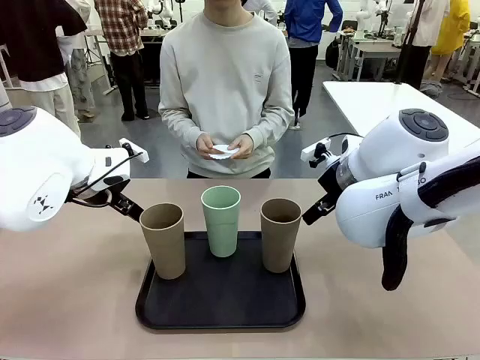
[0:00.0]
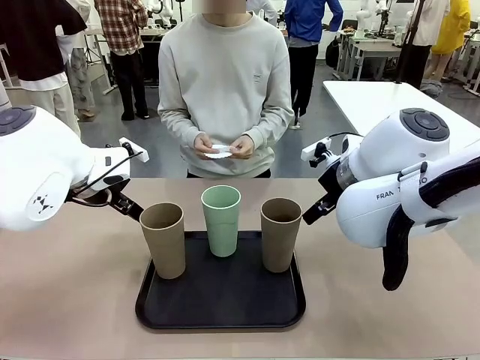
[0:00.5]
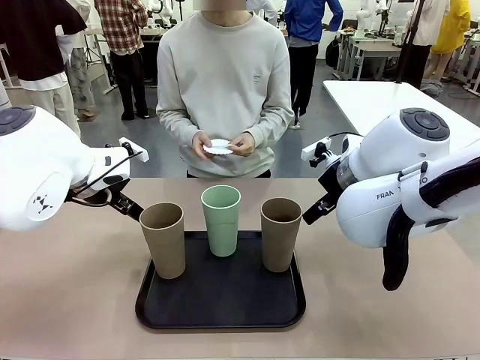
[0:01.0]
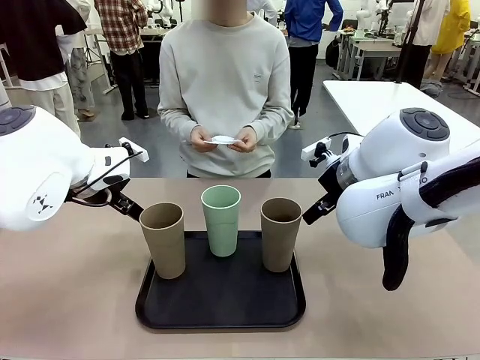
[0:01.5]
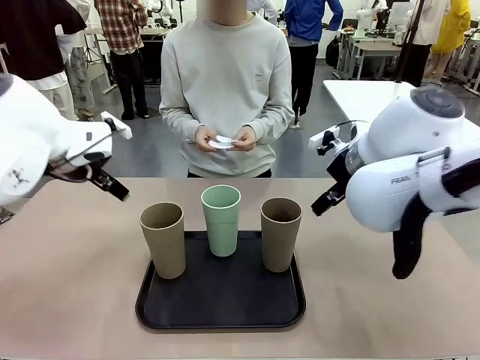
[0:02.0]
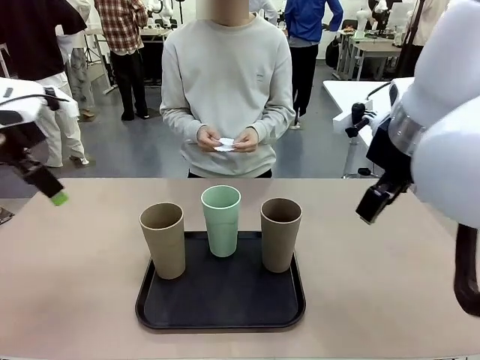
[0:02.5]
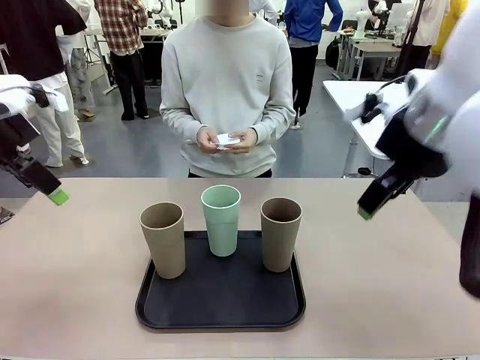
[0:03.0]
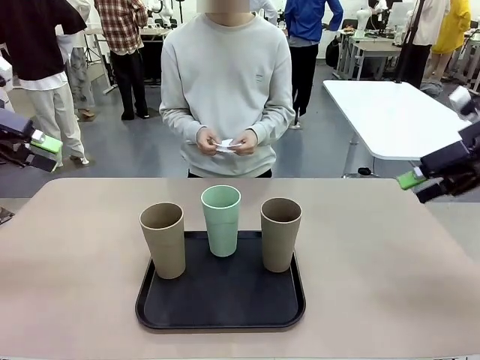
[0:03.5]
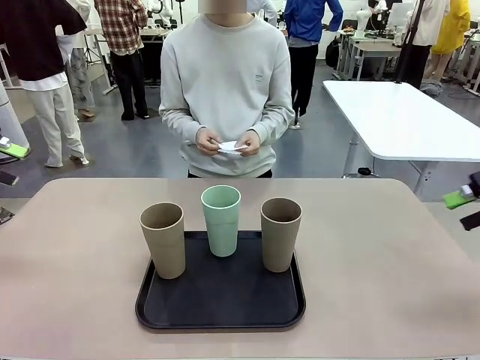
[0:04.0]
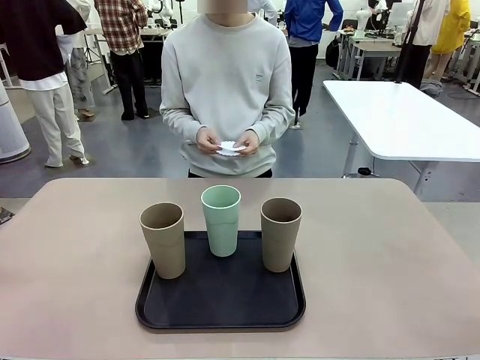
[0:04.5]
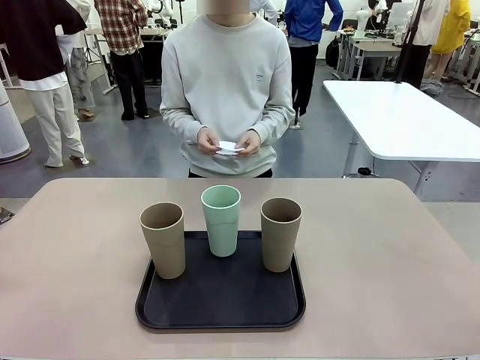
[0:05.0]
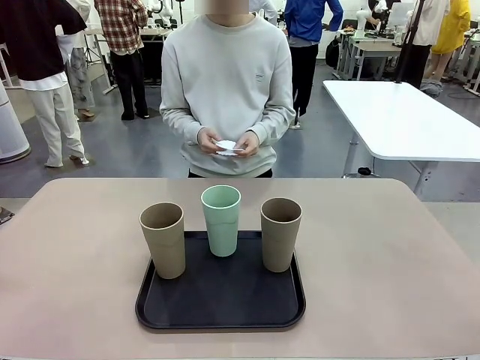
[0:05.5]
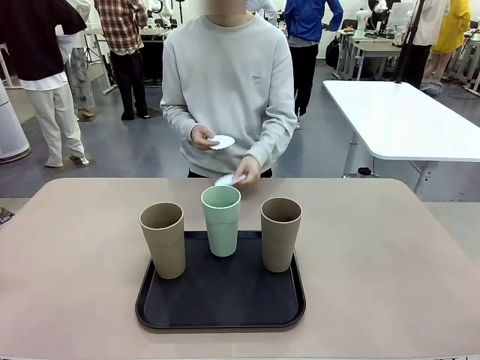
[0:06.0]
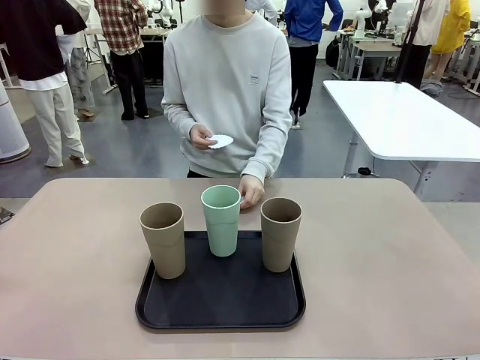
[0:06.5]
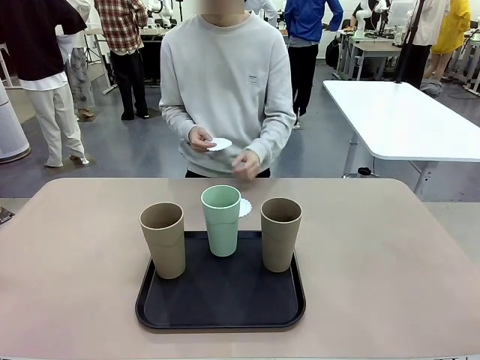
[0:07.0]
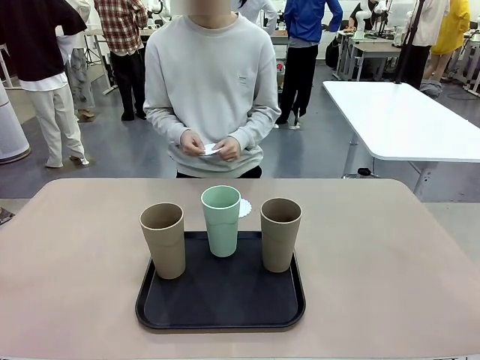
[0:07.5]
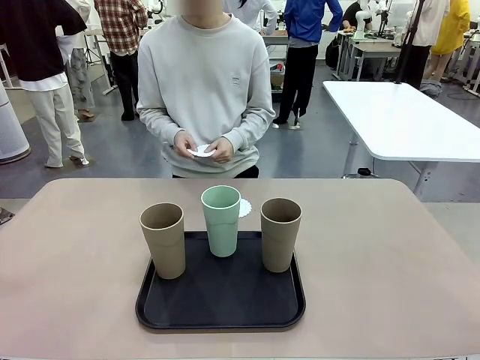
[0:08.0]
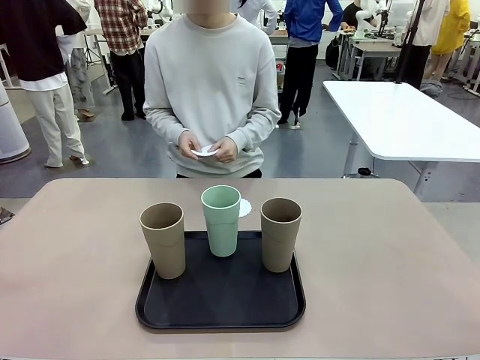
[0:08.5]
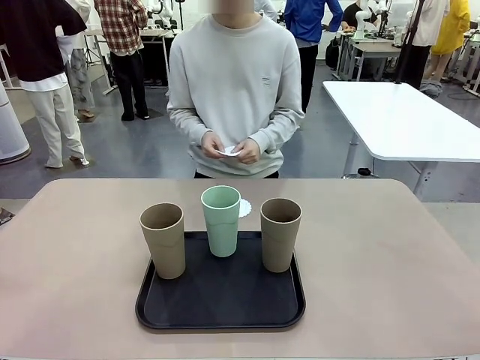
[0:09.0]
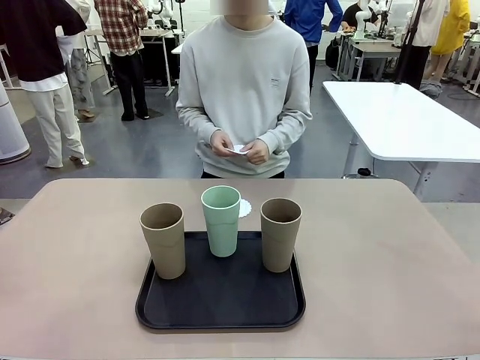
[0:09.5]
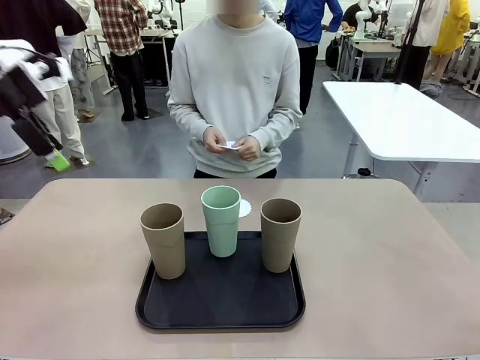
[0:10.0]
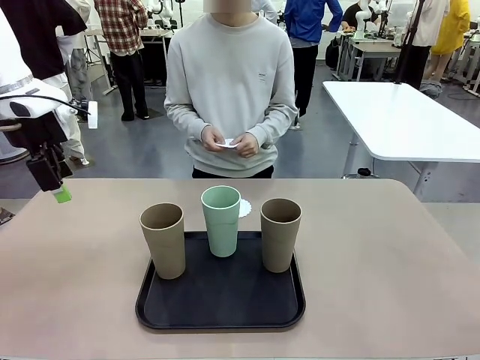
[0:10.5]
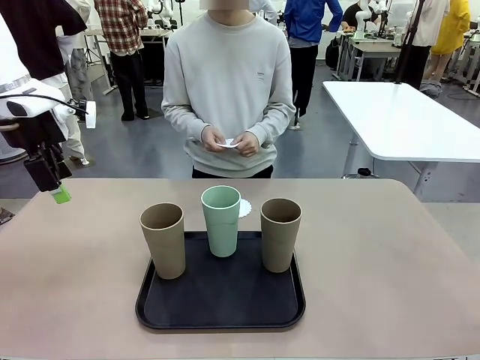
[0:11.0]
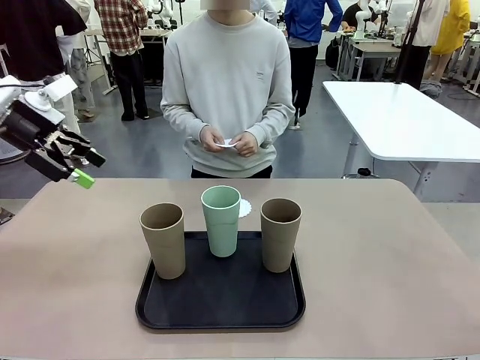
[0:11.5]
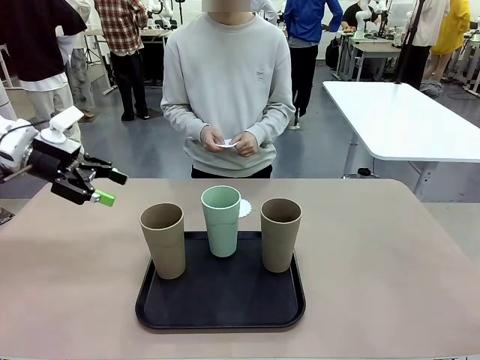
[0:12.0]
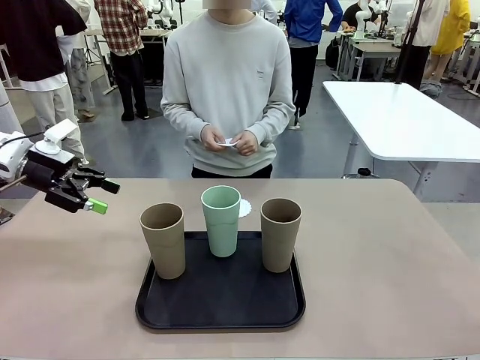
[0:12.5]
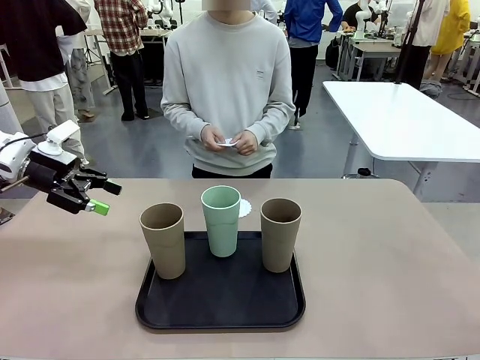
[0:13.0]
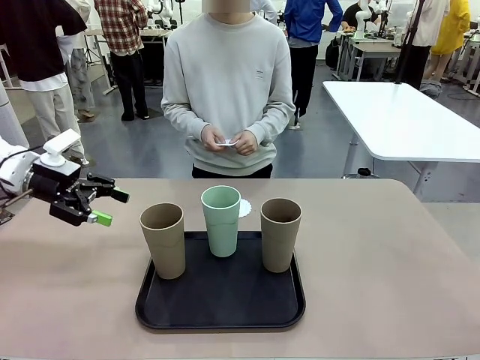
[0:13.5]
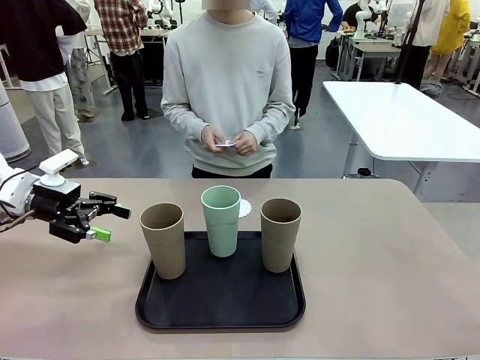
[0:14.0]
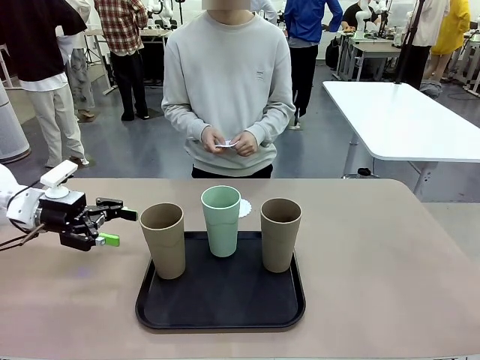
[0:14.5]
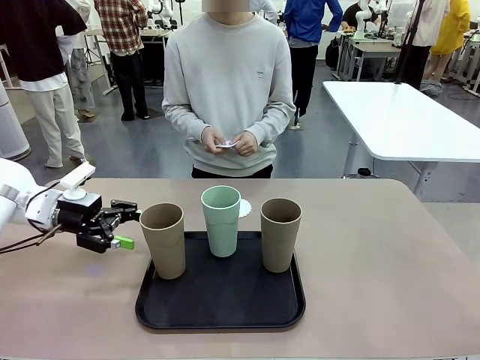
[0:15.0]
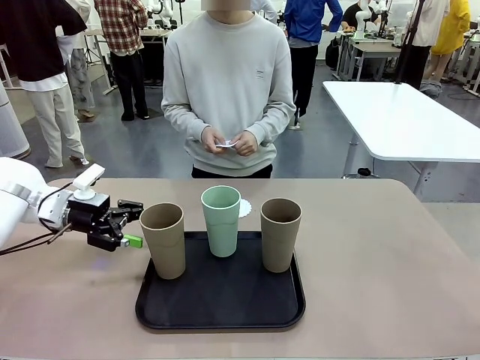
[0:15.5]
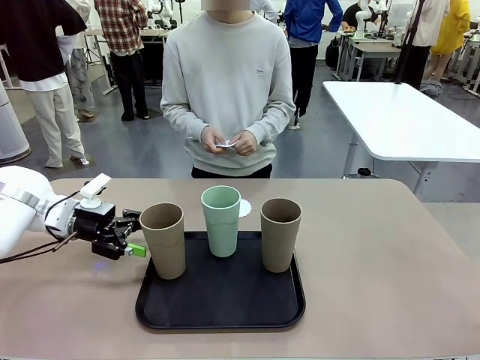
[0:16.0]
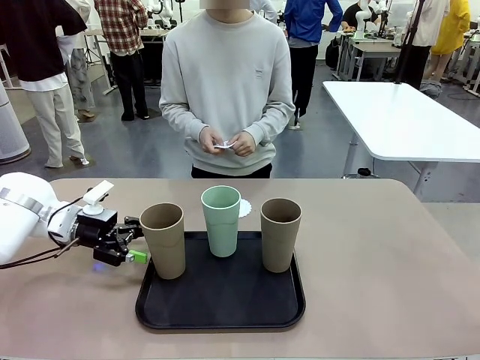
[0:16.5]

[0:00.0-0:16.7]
Task: Place coasters on the table and set cups on them.
Robot: Pick up one Reusable plastic cup and place it on a coaster set by the human.
Person: Place one coaster in any one of the three lower areas of the robot table (left, center, or right).

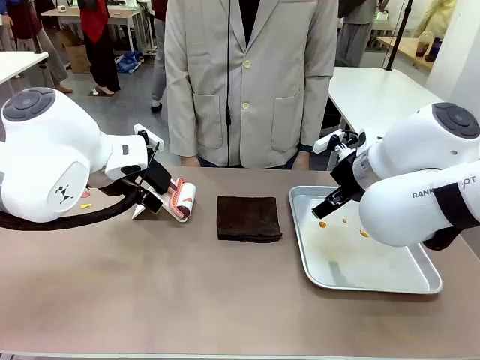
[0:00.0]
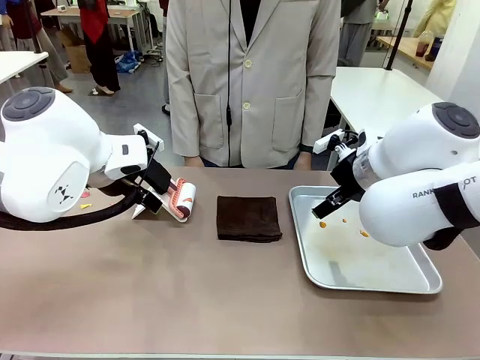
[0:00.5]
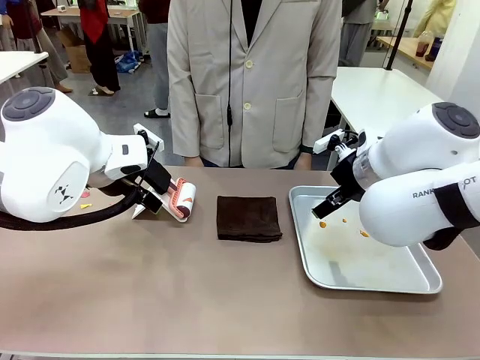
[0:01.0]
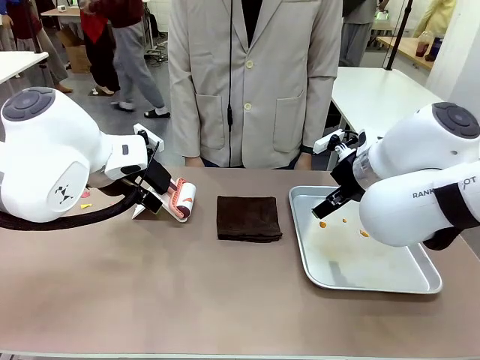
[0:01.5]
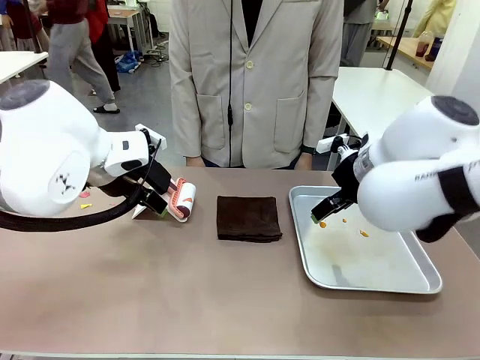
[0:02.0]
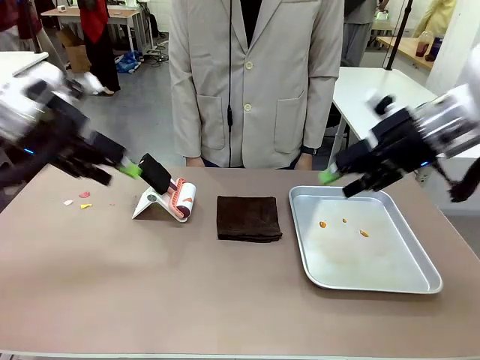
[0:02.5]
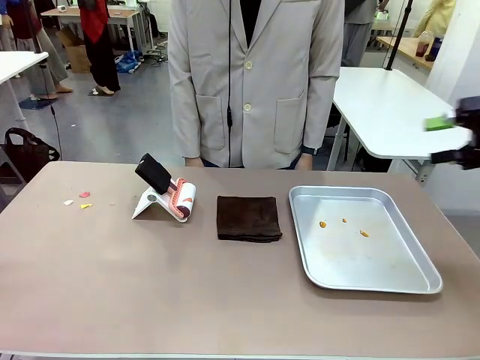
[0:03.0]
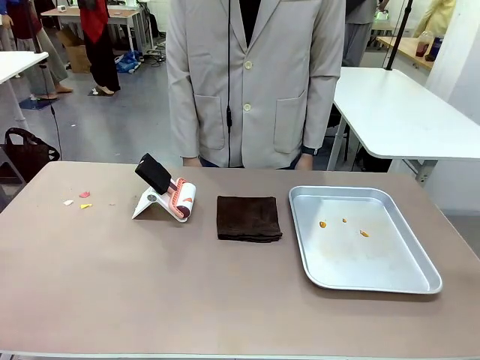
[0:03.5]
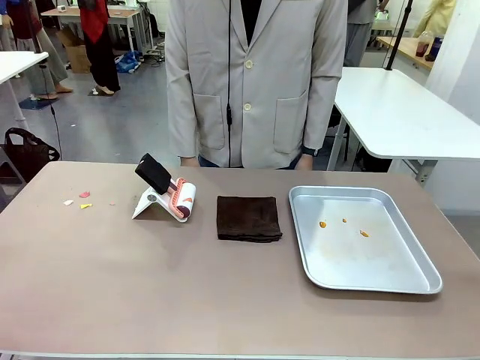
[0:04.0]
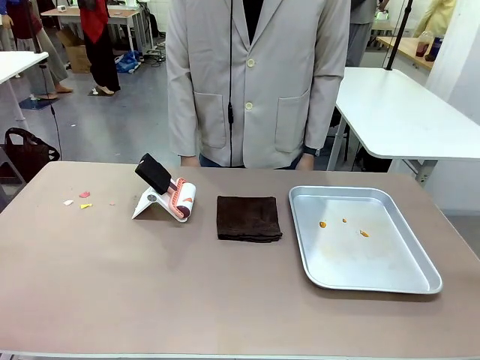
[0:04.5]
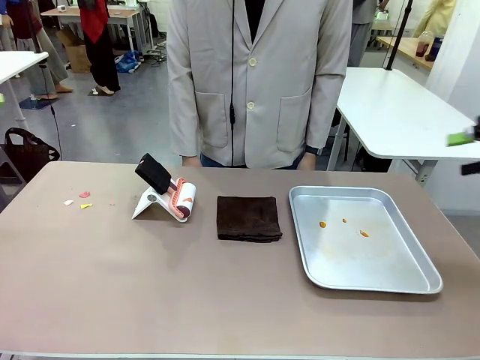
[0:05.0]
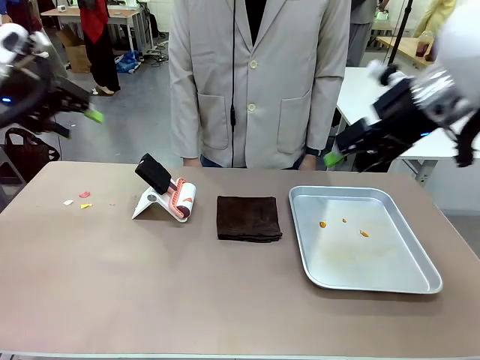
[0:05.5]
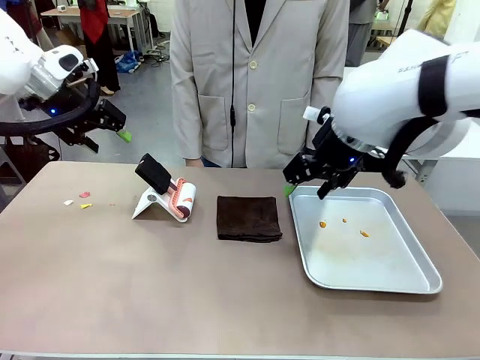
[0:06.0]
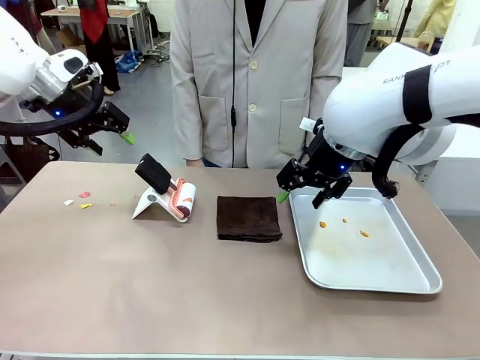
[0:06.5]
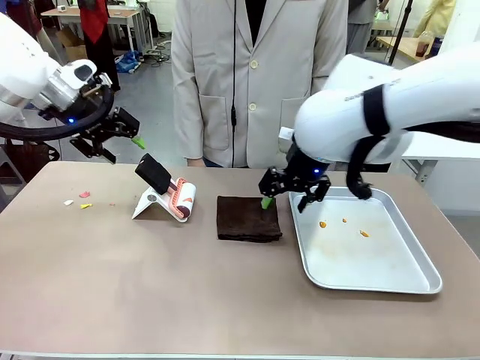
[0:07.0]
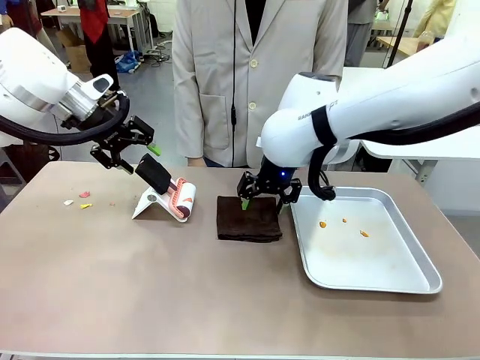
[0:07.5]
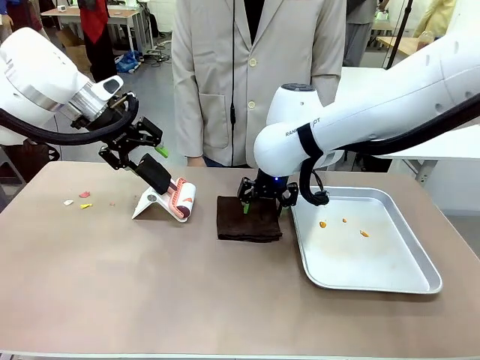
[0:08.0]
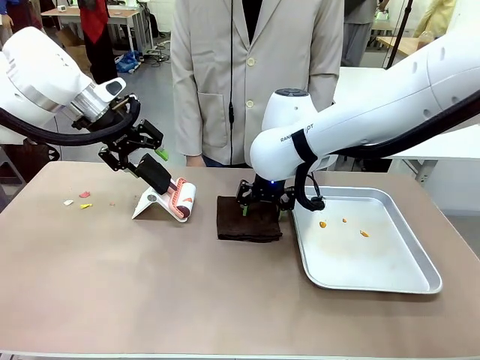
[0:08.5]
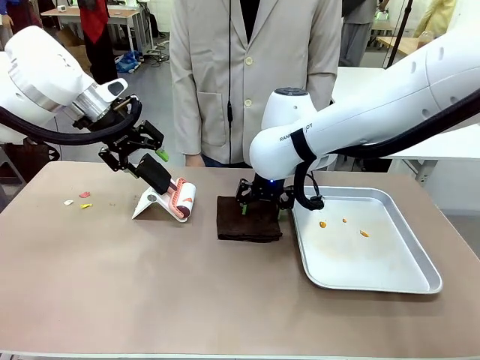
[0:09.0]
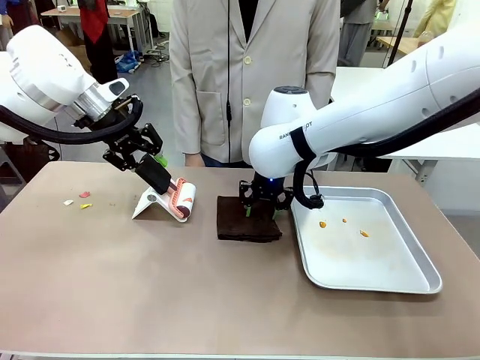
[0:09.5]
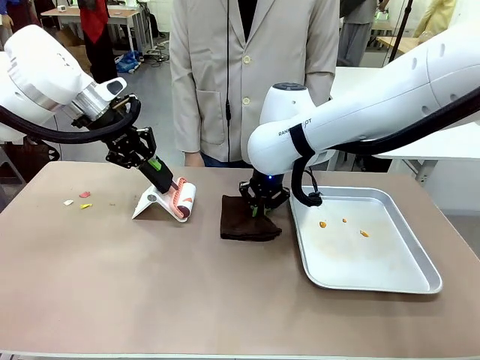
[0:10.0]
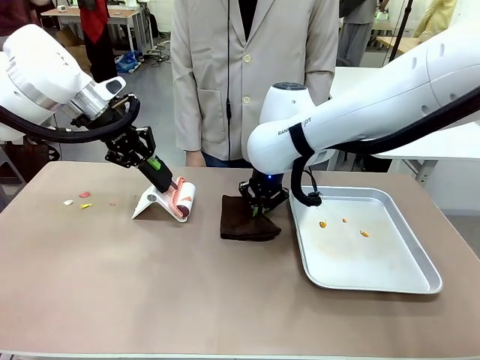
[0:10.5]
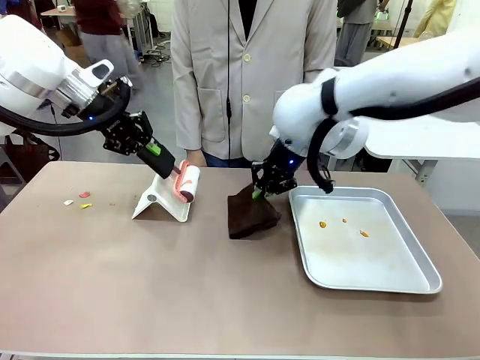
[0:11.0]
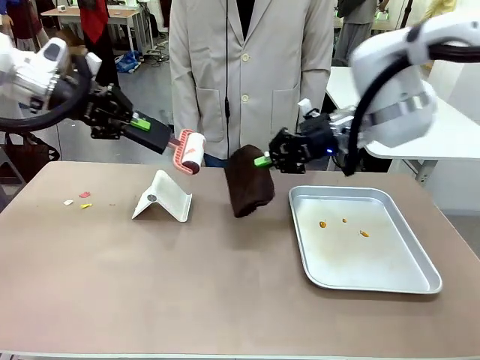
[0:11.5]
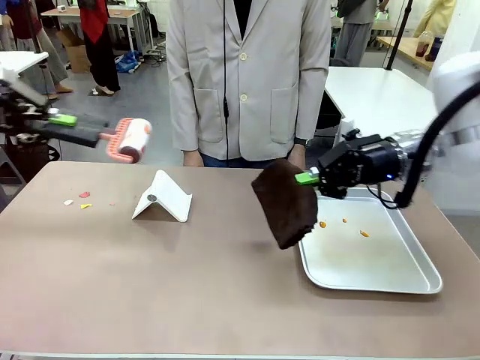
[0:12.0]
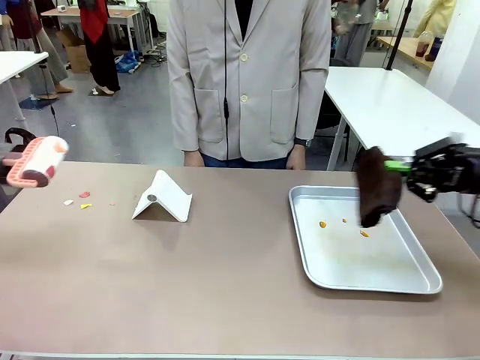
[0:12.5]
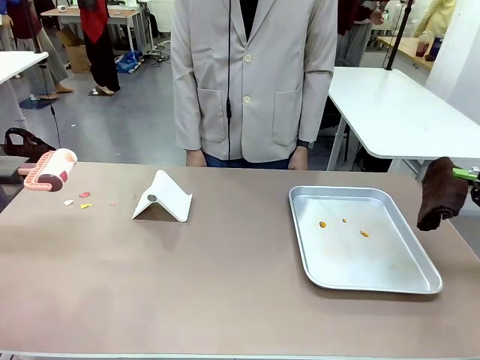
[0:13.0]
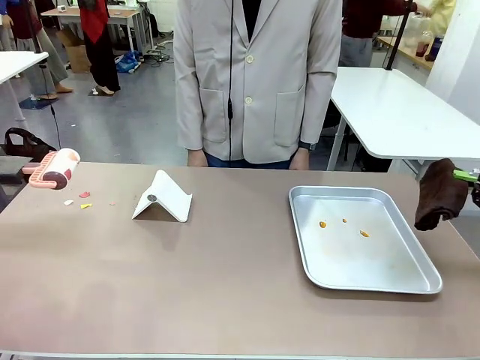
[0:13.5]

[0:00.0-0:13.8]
Task: Clean the surface of the table.
Robot: Hold the Lint Roller with your left hand and the towel with your right hand.
